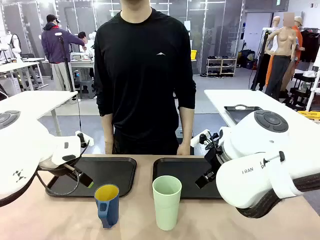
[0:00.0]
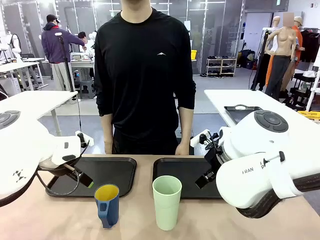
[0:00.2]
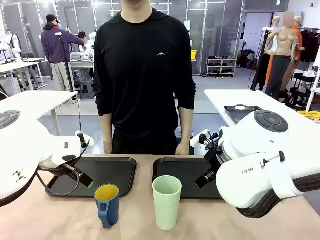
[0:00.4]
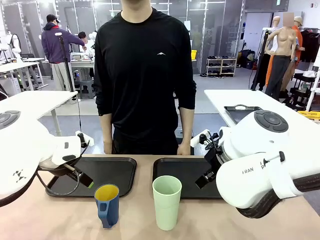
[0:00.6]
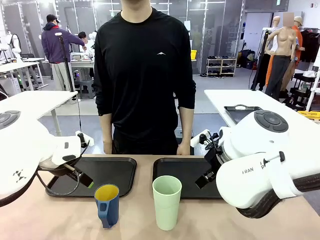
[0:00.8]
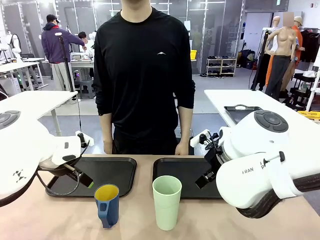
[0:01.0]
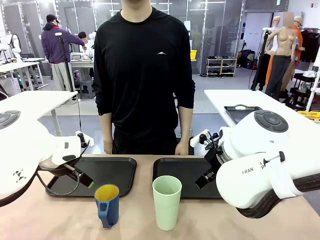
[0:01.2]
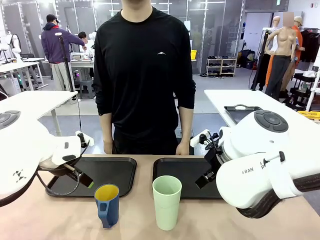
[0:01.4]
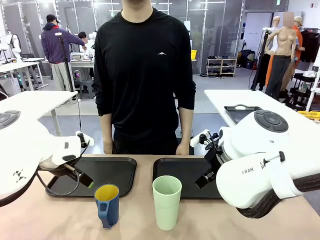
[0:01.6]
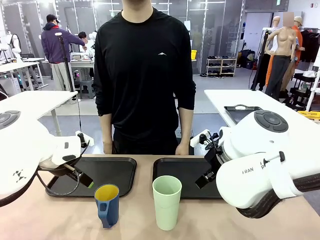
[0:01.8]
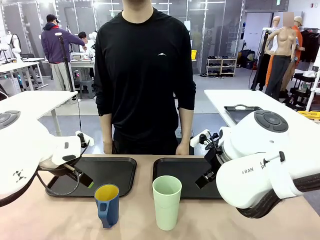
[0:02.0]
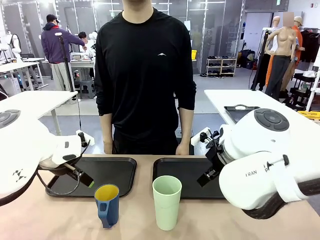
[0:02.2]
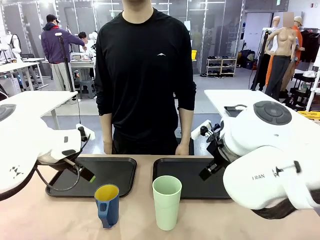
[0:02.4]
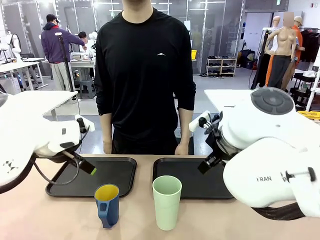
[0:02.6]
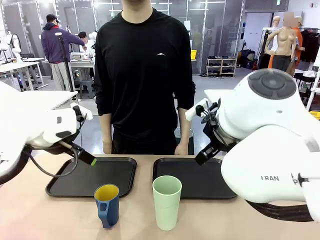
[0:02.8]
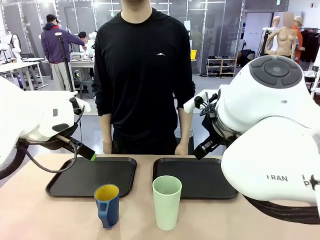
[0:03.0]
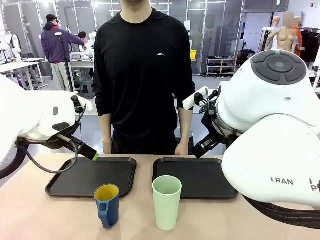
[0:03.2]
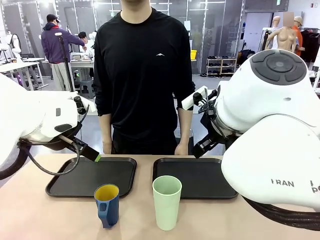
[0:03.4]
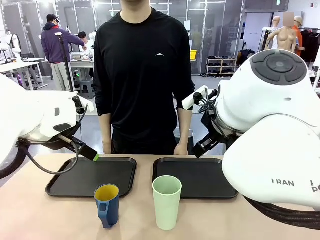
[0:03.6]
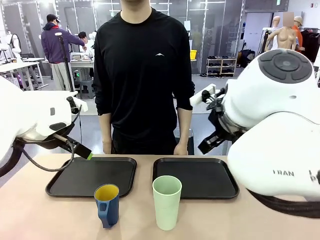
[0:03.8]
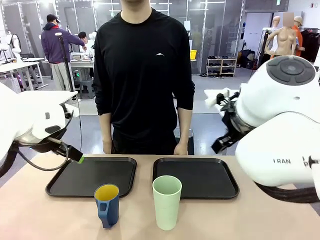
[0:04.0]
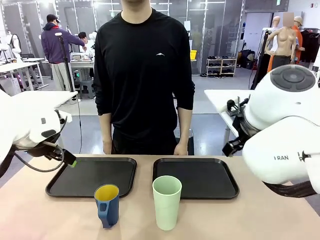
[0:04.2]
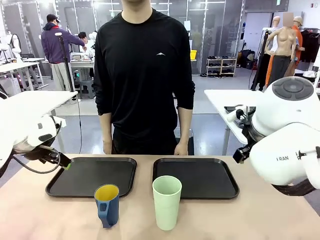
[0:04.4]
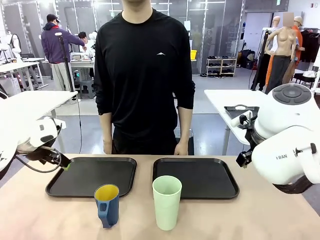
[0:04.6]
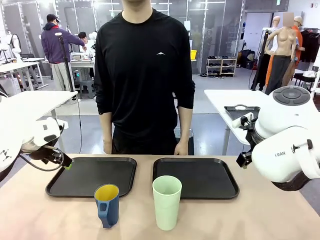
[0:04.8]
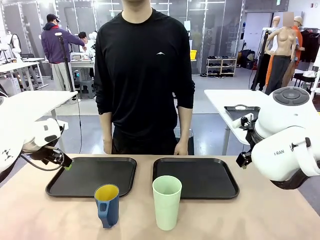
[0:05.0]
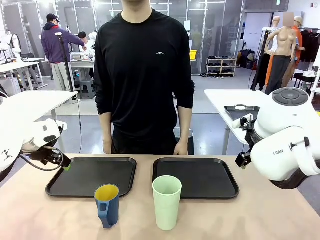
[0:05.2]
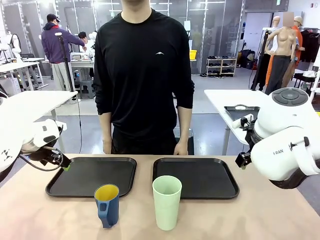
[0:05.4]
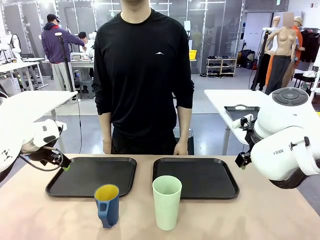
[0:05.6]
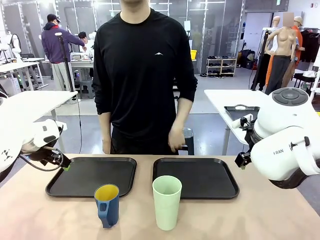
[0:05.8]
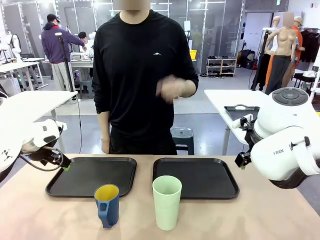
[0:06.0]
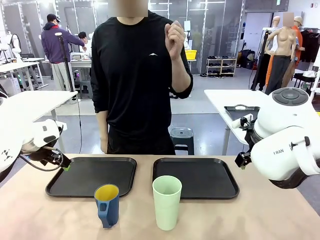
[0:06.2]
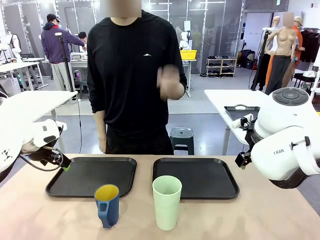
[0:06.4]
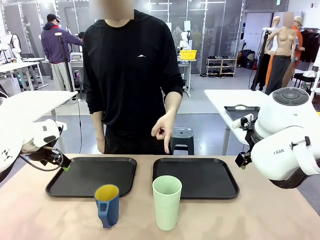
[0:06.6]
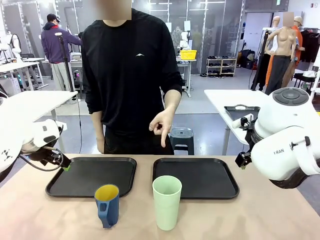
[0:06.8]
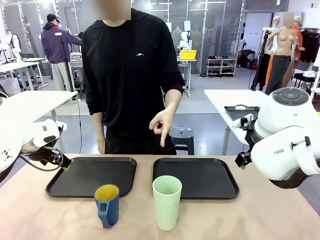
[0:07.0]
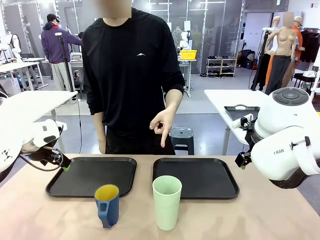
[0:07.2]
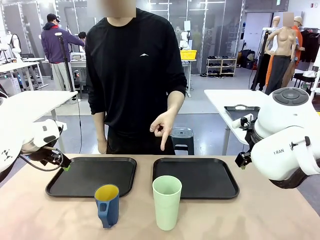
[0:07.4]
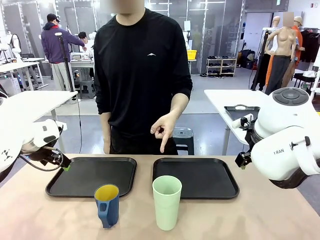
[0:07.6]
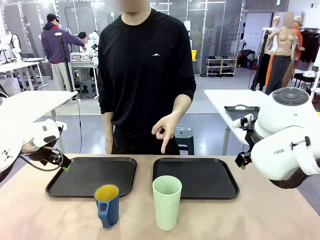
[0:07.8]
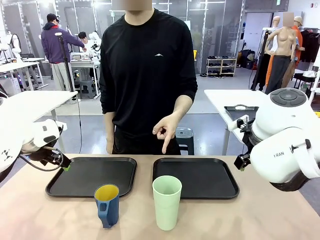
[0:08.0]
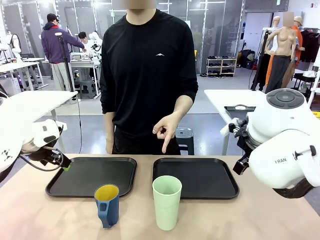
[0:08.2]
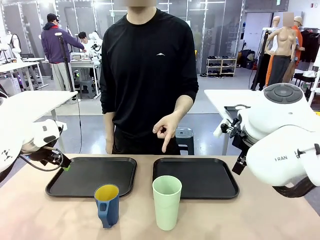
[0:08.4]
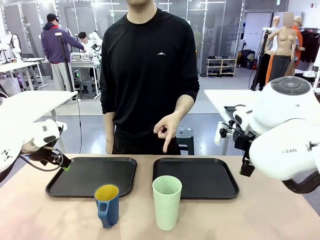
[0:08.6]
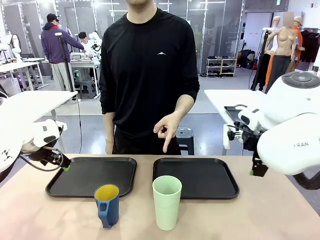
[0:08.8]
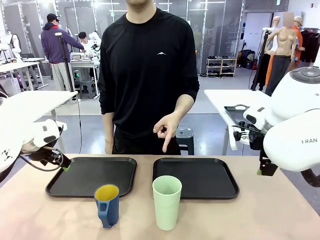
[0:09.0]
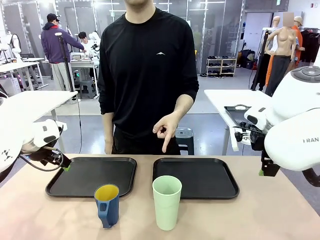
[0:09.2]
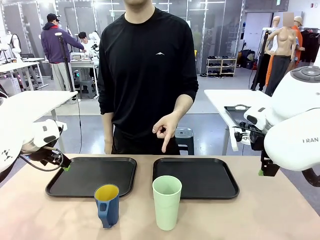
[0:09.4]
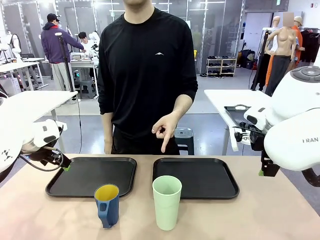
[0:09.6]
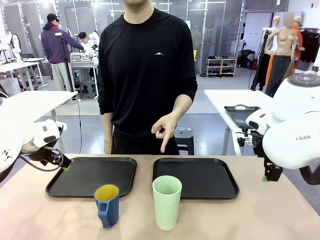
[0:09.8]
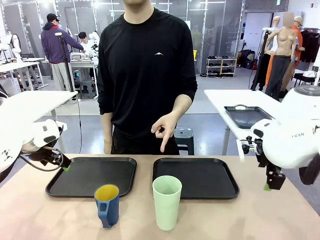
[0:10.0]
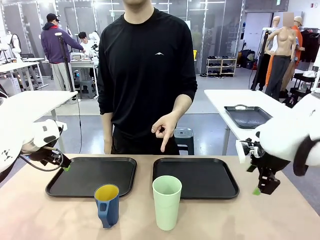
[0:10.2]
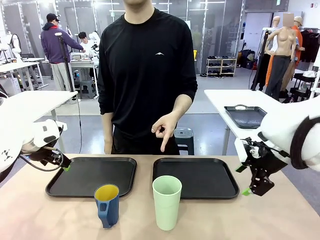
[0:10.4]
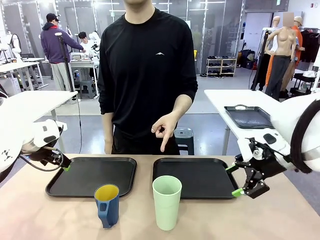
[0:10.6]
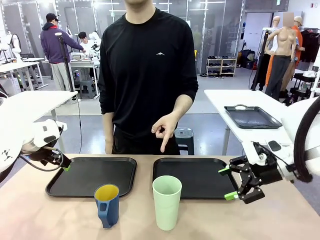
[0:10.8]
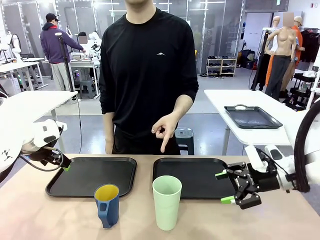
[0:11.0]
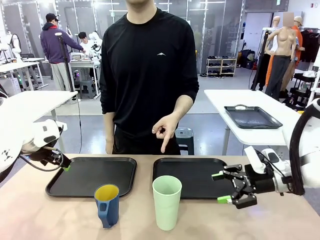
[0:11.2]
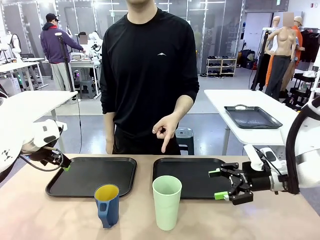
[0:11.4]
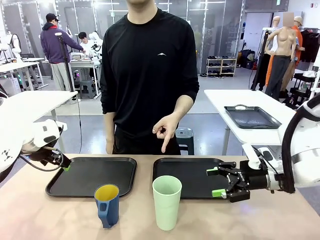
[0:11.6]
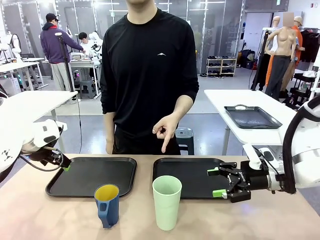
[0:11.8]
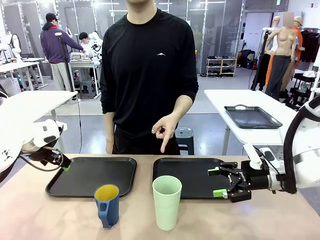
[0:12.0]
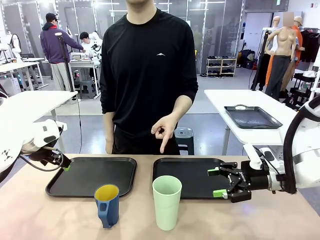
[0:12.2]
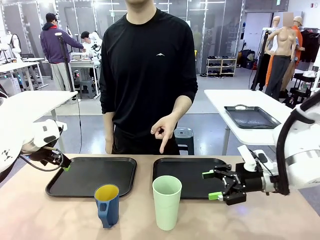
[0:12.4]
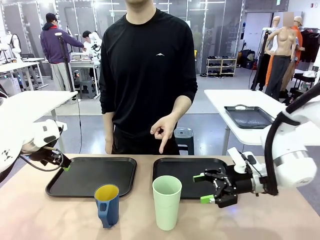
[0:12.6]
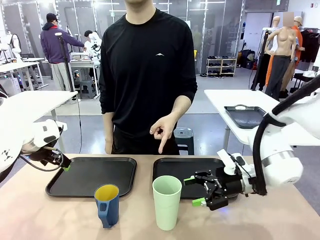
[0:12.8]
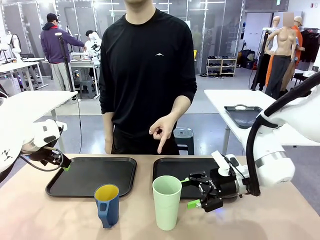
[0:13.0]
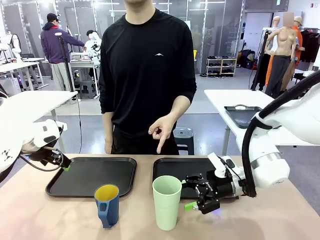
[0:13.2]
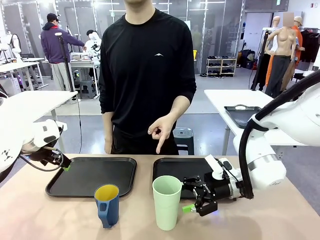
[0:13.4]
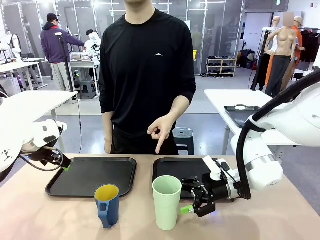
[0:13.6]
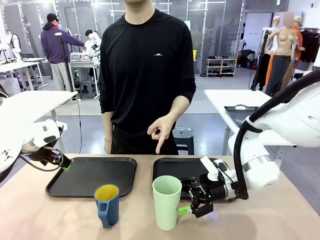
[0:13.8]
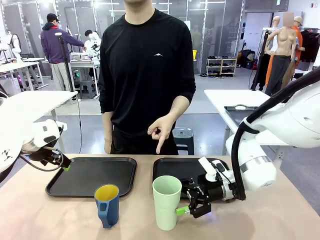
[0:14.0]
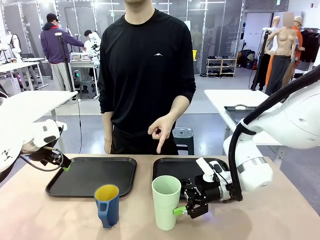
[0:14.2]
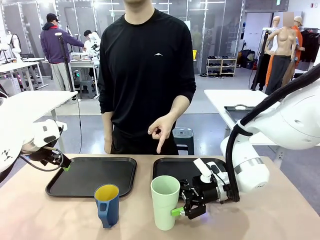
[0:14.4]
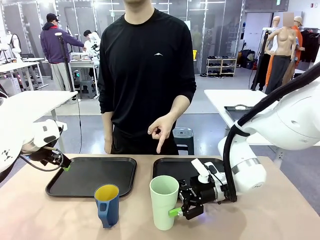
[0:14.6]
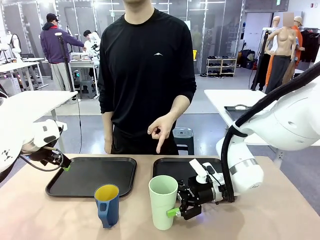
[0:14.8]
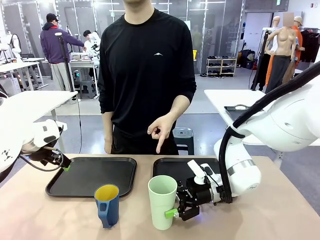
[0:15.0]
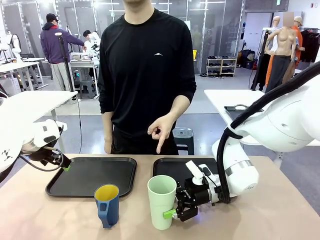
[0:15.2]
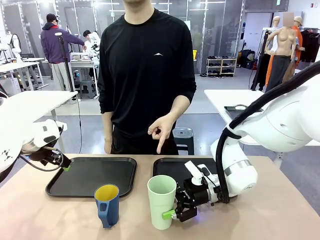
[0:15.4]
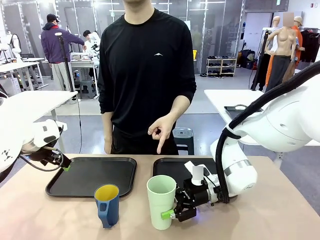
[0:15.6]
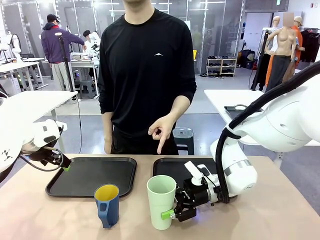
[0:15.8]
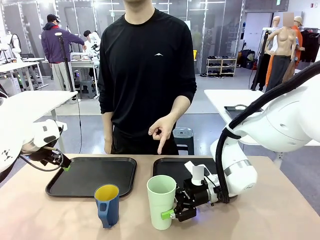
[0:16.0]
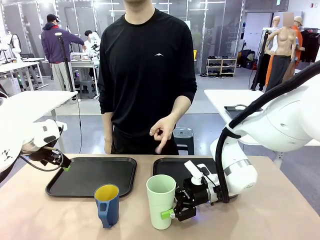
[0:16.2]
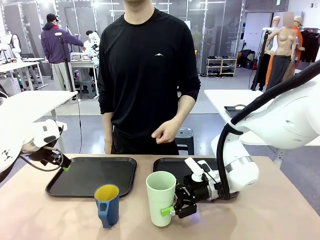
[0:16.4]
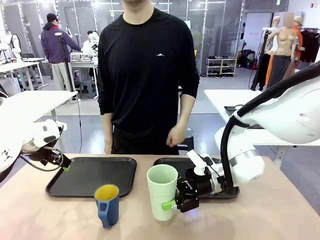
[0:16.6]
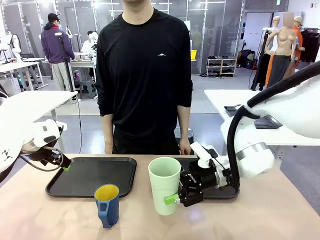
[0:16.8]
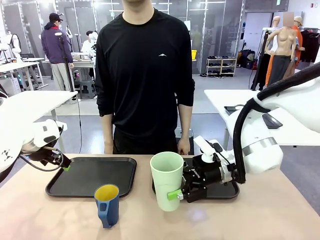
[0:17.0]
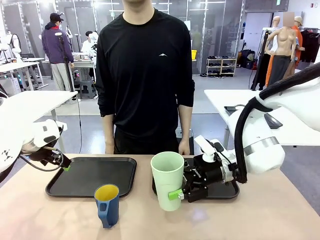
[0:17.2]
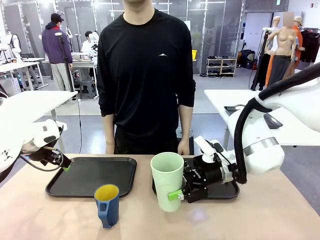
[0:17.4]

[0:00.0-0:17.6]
Task: Sort and store the cups by type.
Robot: Pick up the Reusable plastic cup.
Person: Points to the reusable cup. Point to one of the two trays.
